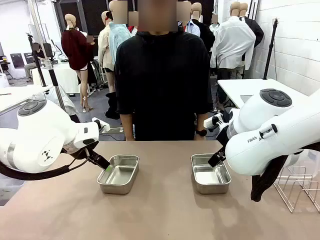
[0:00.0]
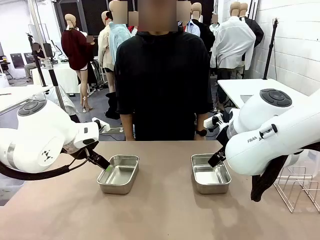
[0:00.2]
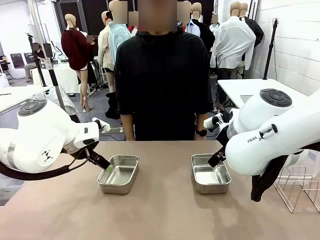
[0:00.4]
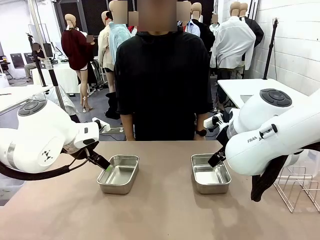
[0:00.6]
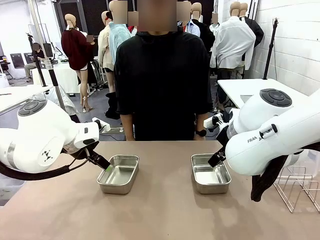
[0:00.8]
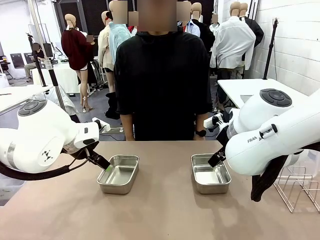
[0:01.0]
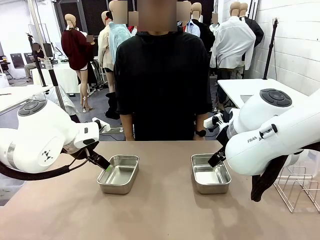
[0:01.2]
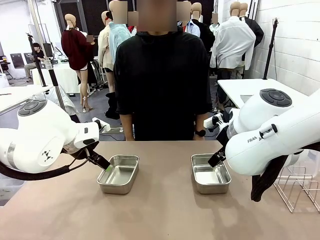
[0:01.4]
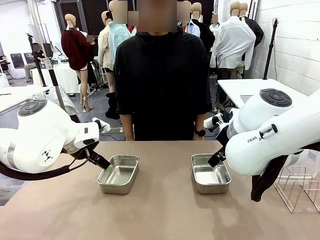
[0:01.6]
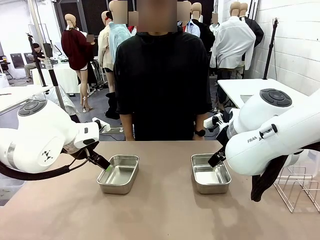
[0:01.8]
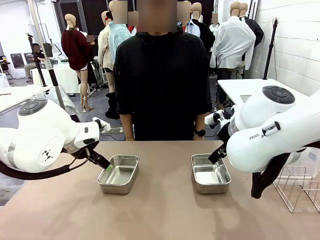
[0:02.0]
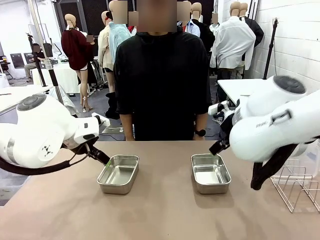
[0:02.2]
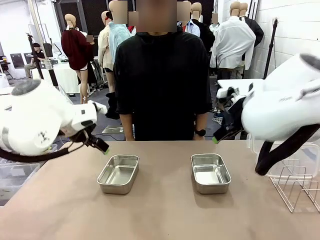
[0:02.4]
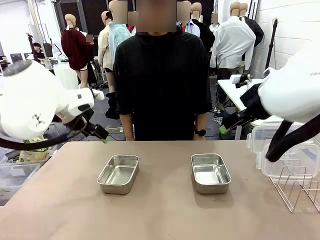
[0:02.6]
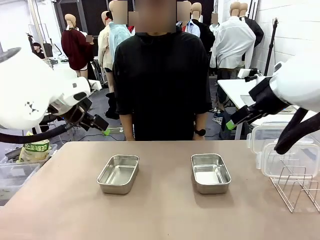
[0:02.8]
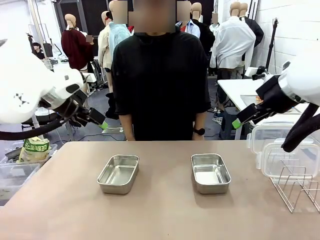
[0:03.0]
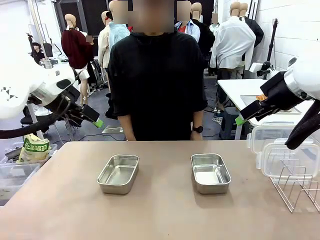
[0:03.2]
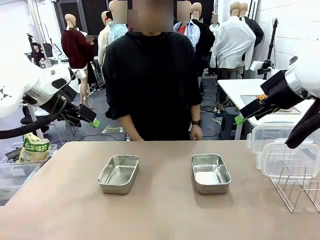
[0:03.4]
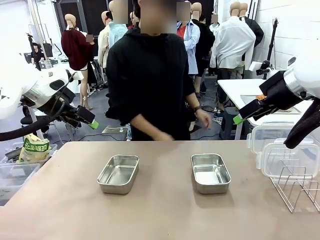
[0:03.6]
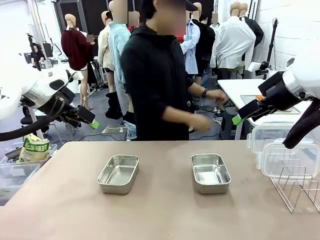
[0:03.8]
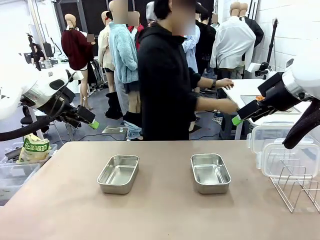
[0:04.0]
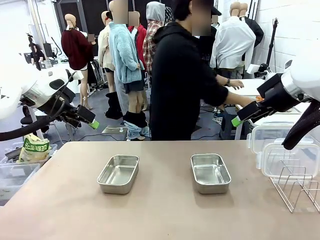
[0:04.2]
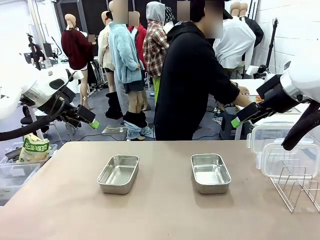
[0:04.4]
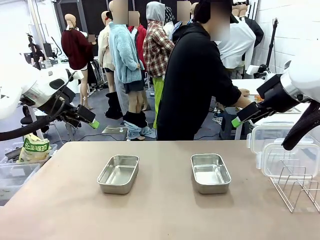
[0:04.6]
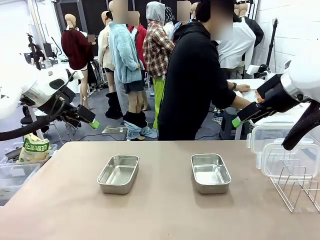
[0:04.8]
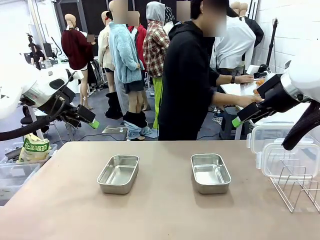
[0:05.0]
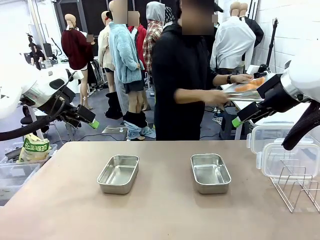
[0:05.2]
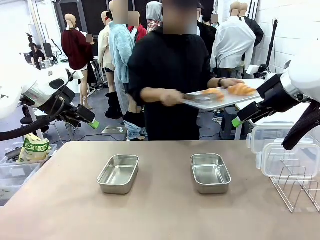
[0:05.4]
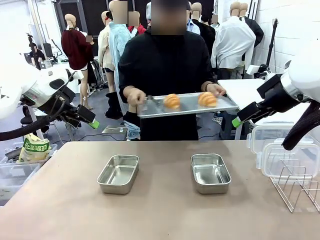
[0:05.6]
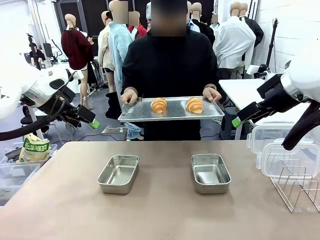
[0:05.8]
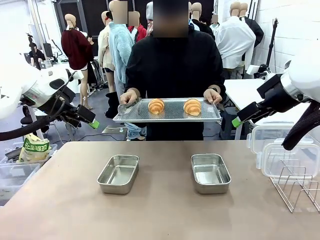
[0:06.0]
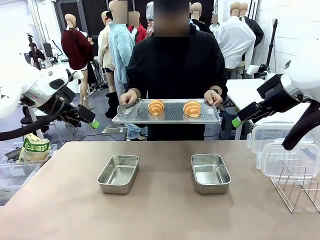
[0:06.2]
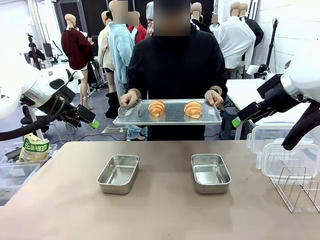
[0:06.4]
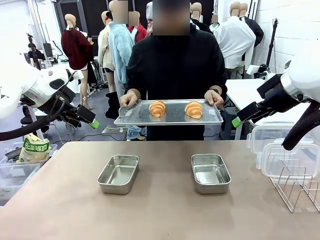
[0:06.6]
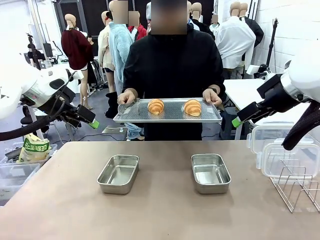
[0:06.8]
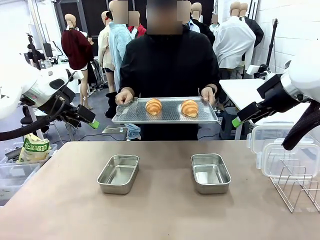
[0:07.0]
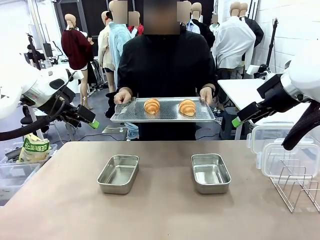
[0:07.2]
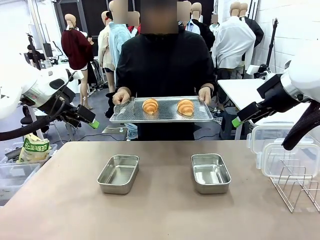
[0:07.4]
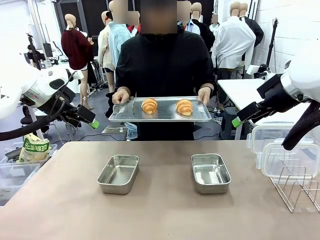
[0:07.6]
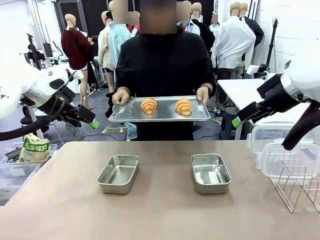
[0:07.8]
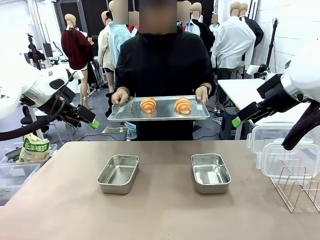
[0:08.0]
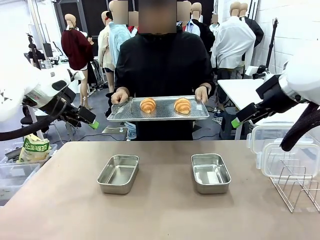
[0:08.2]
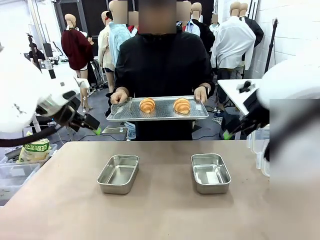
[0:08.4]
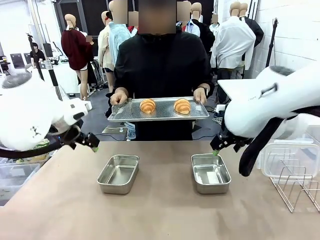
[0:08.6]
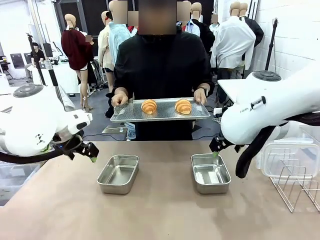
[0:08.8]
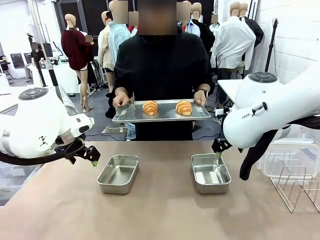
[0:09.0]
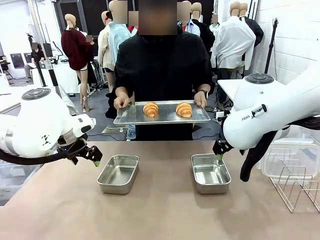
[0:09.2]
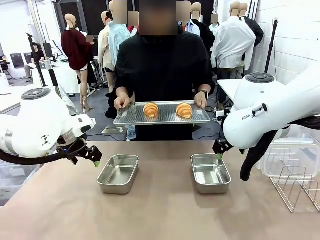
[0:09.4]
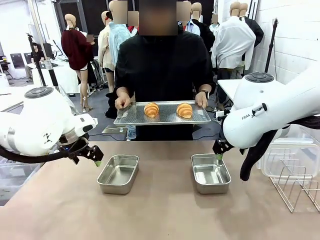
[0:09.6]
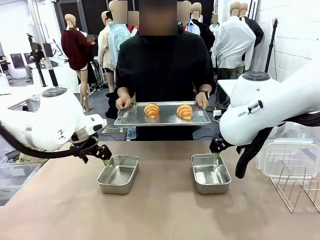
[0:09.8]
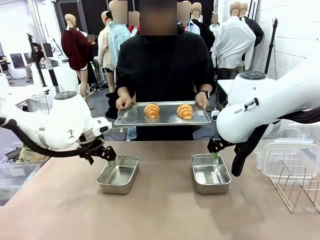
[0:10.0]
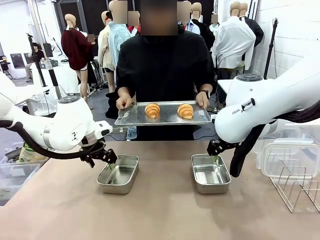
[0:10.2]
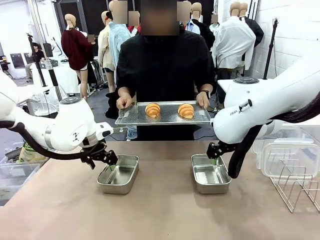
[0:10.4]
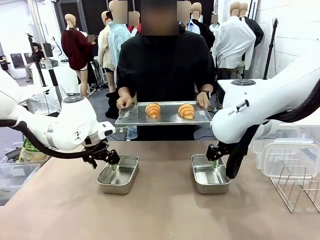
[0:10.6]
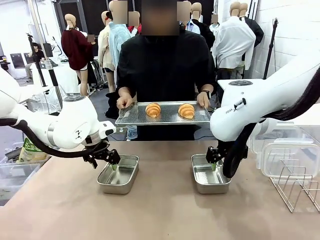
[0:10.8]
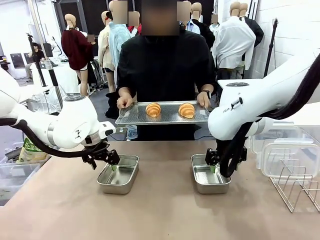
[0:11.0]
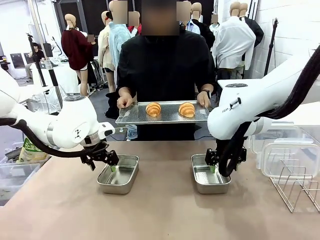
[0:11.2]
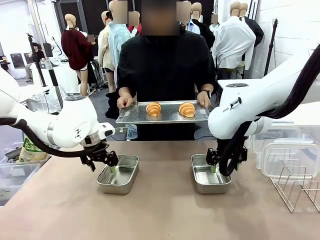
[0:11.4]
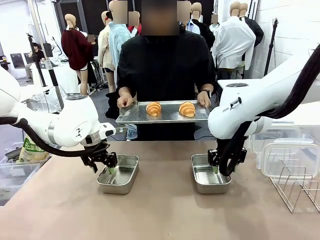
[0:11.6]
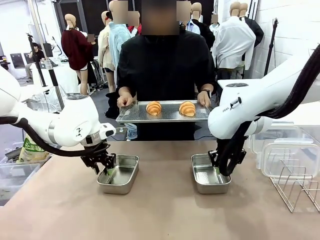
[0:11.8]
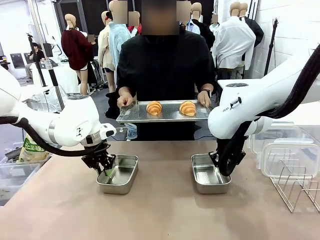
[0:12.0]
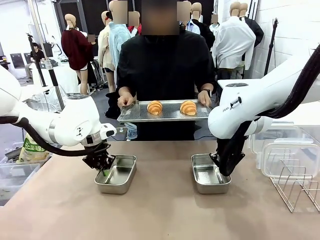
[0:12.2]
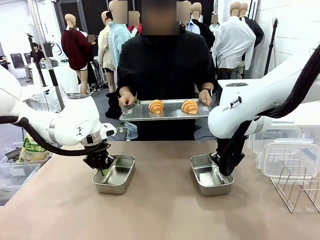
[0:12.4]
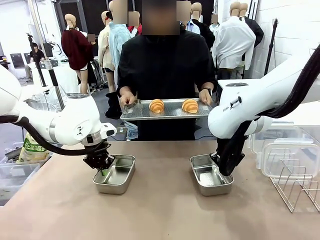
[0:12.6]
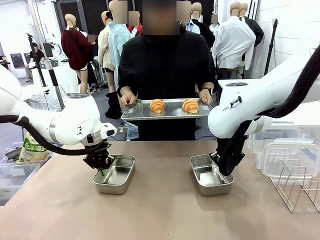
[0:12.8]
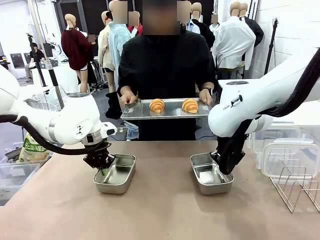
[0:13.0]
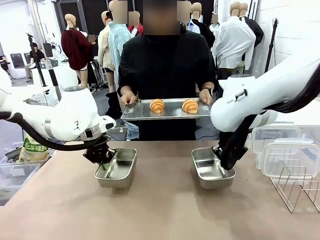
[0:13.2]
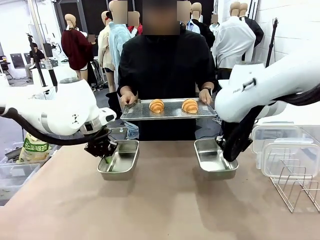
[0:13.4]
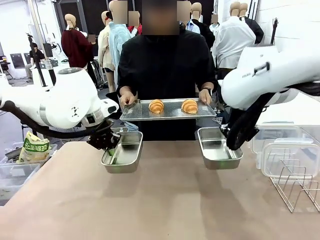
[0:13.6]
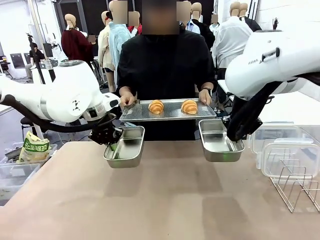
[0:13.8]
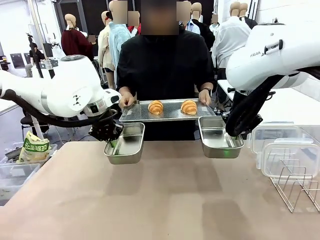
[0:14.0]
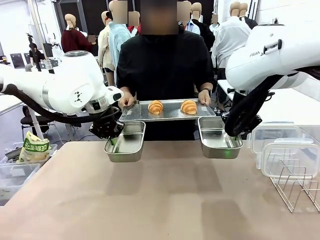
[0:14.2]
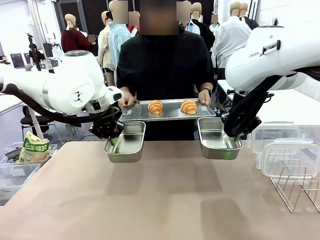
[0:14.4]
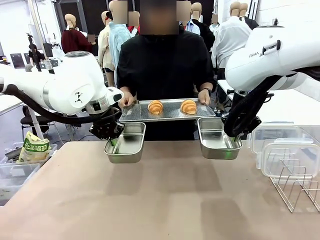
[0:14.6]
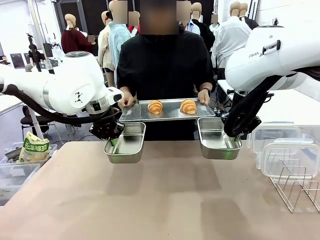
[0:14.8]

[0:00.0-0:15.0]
Task: Place the bread in airtight containers.
Robot: Lift both Airtight Container.
Person: Bring the Baking Sheet in front of Robot's Table.
